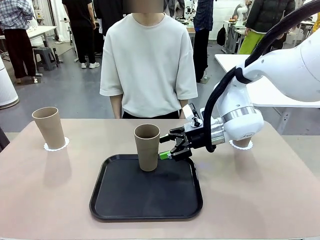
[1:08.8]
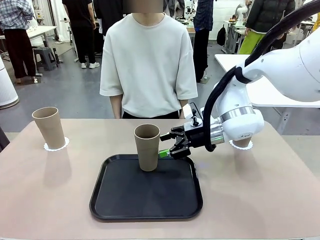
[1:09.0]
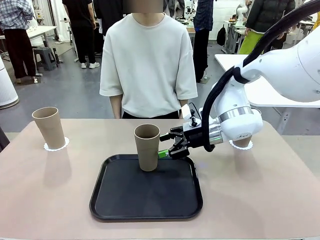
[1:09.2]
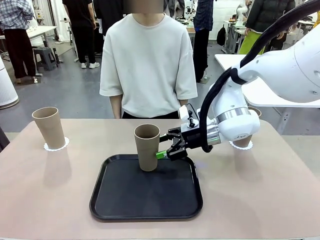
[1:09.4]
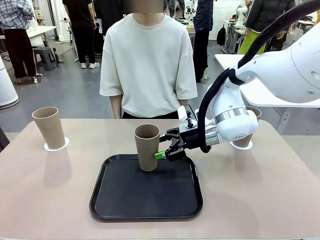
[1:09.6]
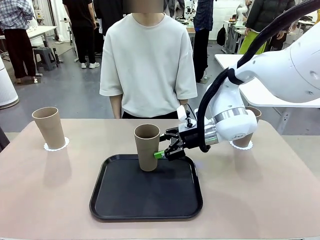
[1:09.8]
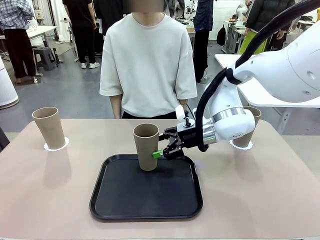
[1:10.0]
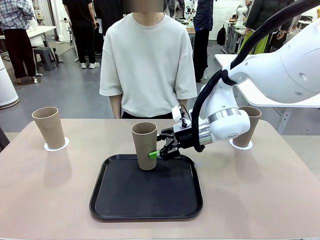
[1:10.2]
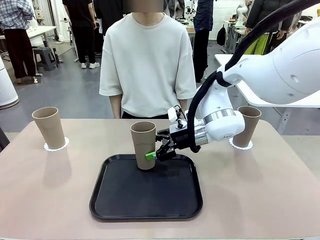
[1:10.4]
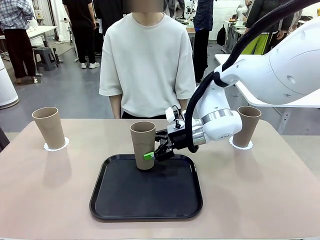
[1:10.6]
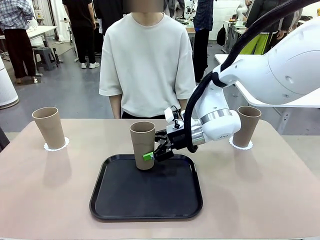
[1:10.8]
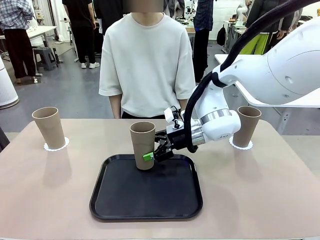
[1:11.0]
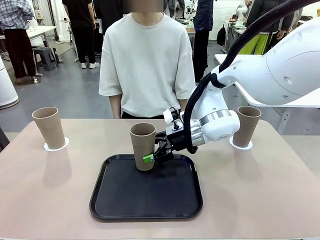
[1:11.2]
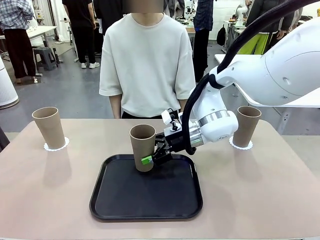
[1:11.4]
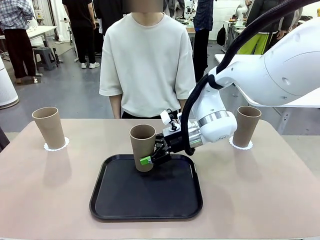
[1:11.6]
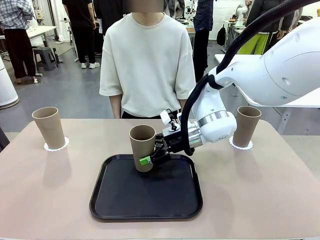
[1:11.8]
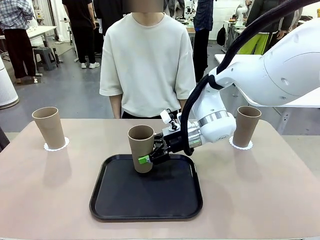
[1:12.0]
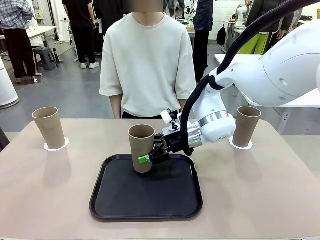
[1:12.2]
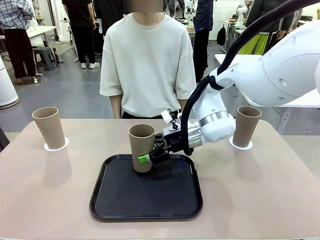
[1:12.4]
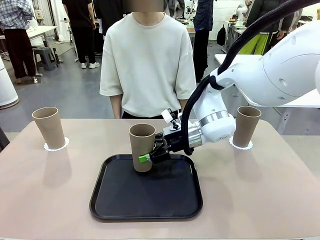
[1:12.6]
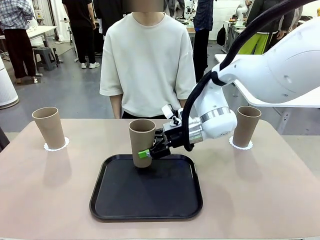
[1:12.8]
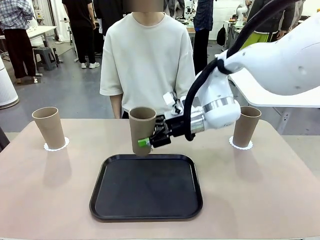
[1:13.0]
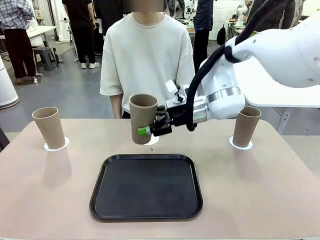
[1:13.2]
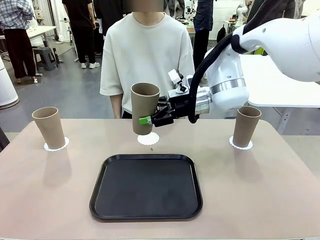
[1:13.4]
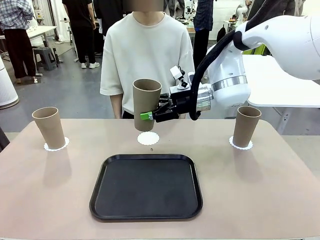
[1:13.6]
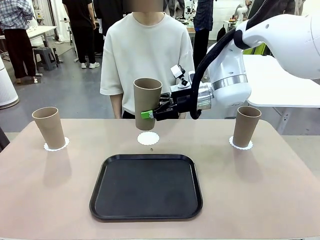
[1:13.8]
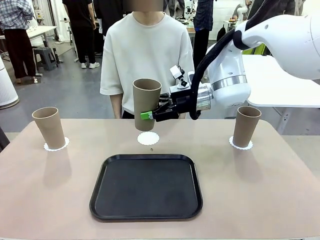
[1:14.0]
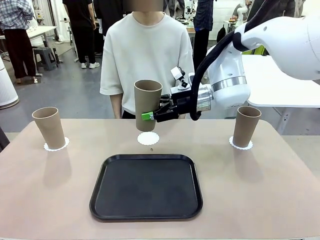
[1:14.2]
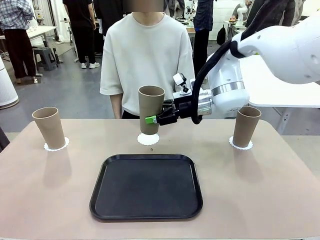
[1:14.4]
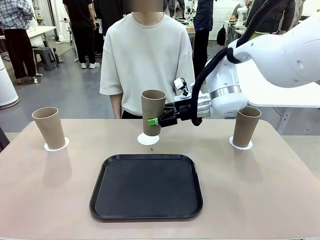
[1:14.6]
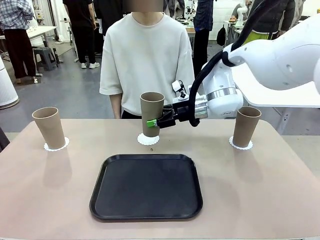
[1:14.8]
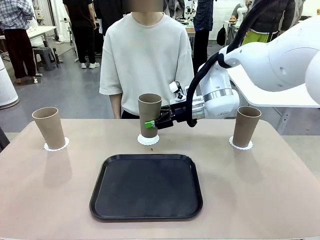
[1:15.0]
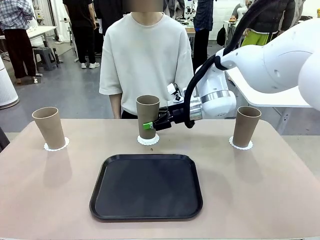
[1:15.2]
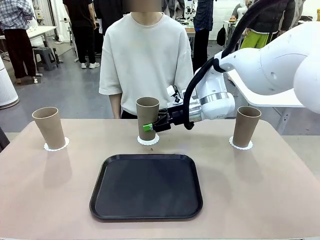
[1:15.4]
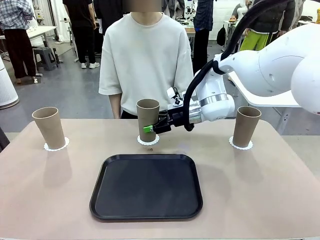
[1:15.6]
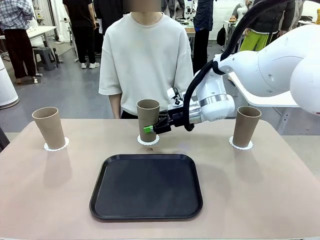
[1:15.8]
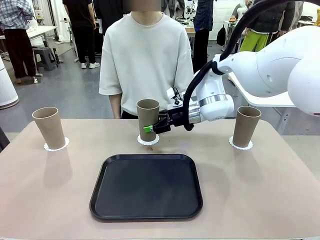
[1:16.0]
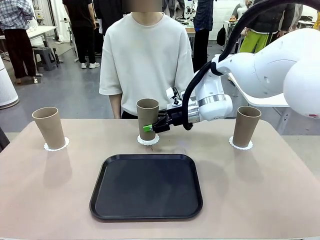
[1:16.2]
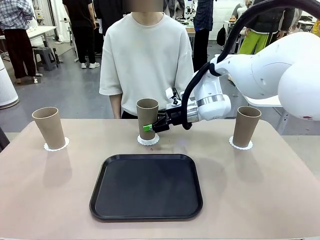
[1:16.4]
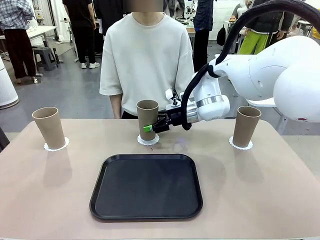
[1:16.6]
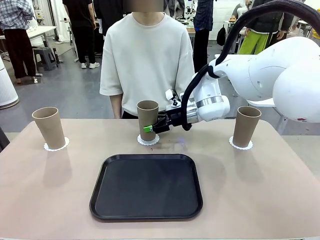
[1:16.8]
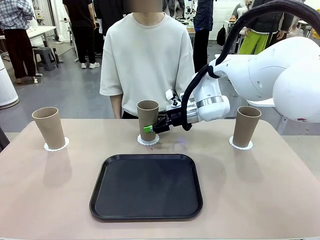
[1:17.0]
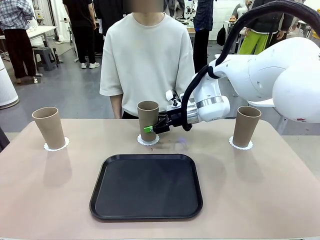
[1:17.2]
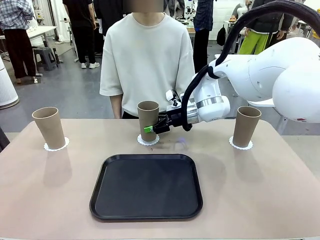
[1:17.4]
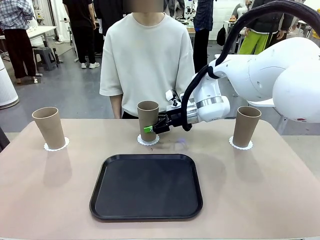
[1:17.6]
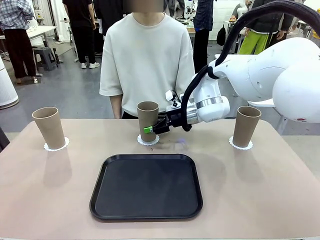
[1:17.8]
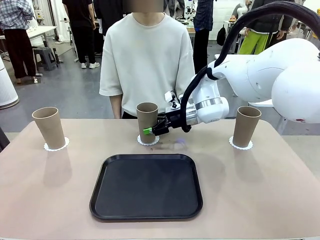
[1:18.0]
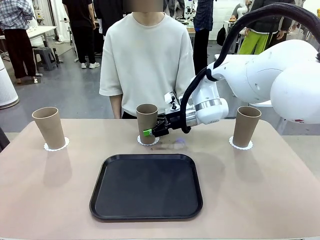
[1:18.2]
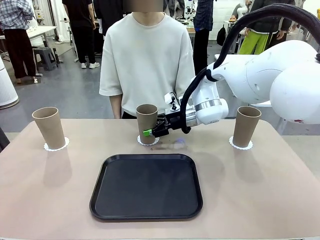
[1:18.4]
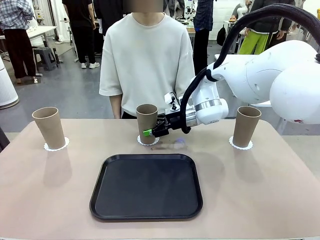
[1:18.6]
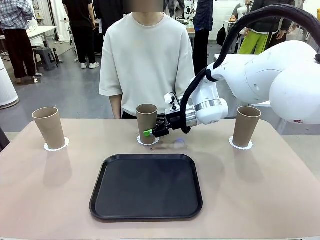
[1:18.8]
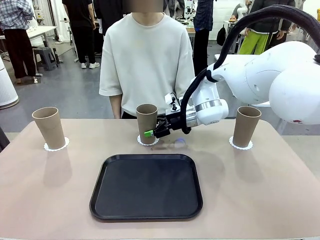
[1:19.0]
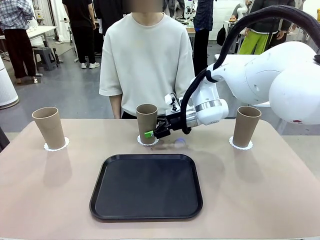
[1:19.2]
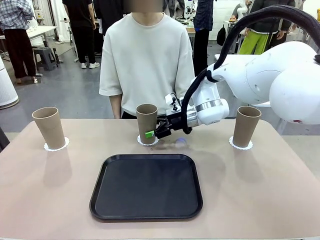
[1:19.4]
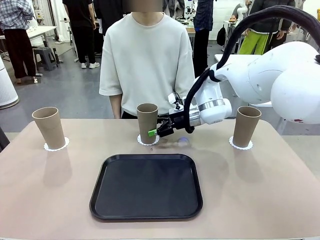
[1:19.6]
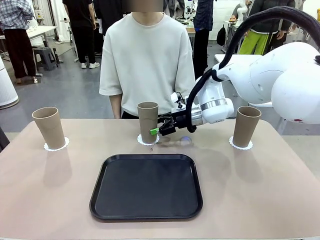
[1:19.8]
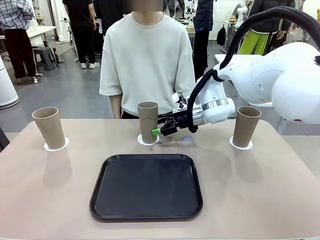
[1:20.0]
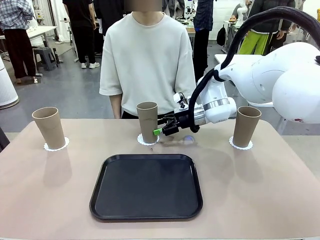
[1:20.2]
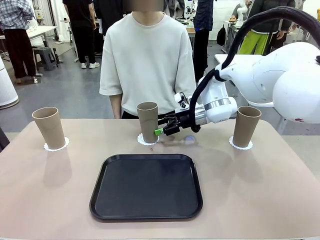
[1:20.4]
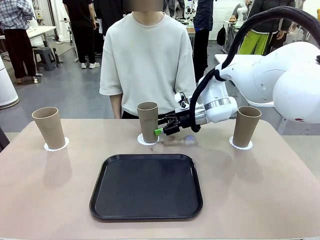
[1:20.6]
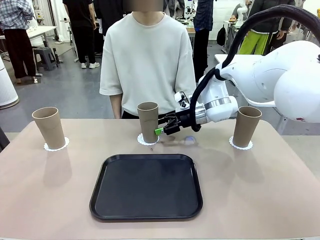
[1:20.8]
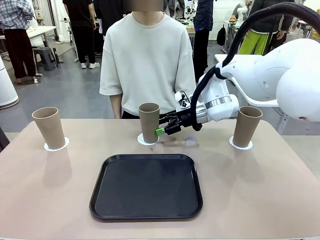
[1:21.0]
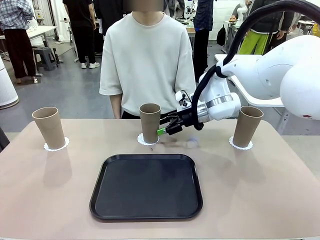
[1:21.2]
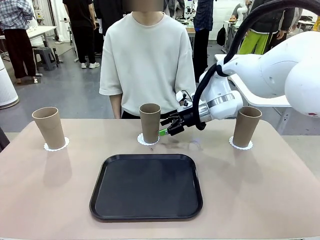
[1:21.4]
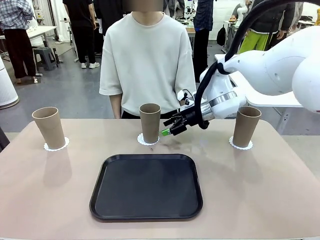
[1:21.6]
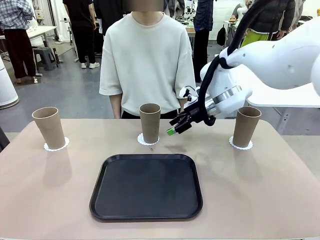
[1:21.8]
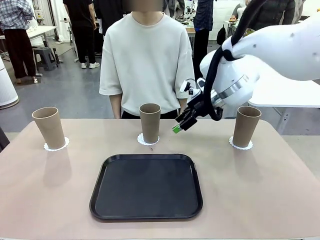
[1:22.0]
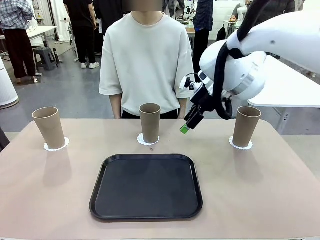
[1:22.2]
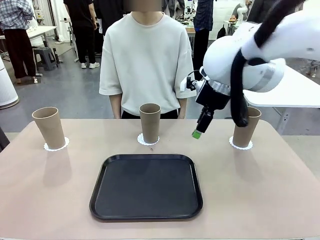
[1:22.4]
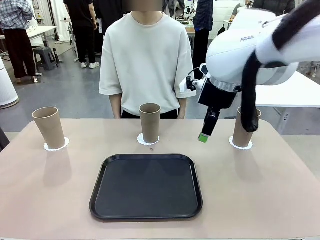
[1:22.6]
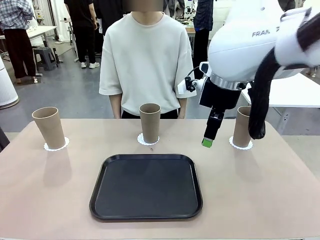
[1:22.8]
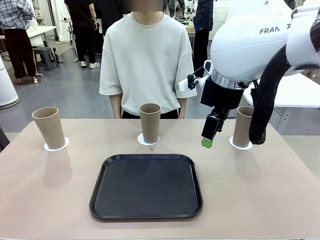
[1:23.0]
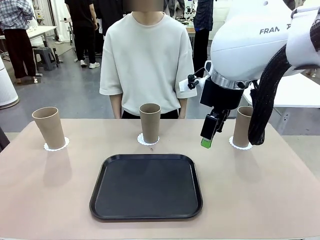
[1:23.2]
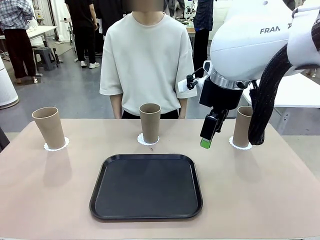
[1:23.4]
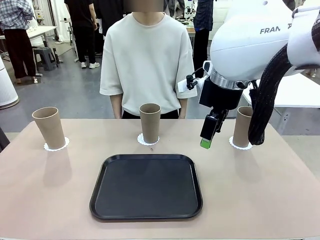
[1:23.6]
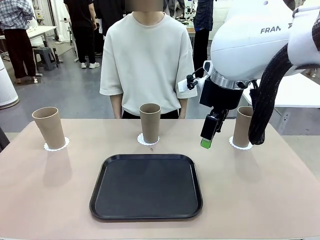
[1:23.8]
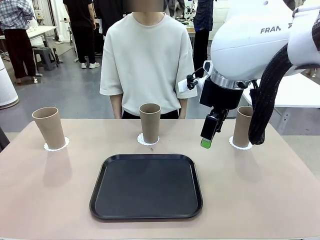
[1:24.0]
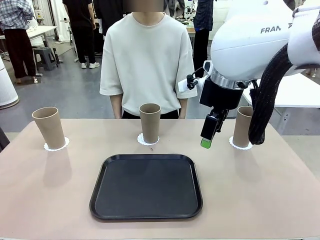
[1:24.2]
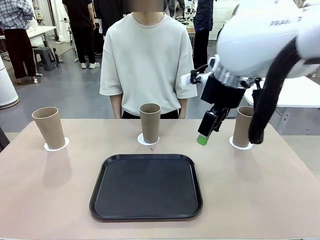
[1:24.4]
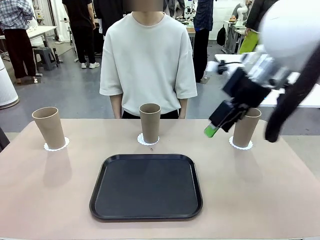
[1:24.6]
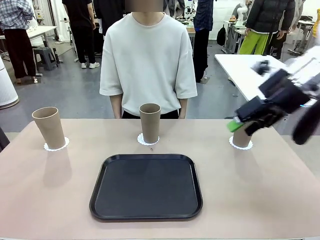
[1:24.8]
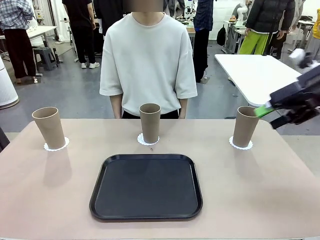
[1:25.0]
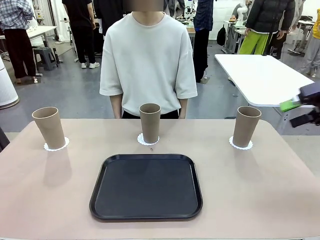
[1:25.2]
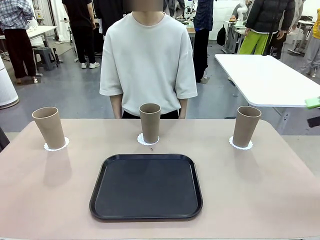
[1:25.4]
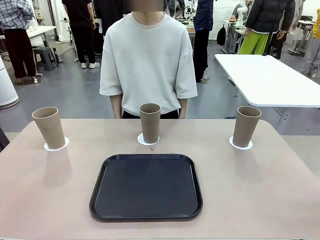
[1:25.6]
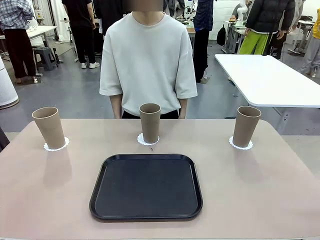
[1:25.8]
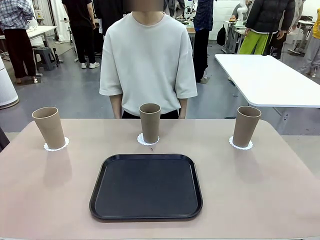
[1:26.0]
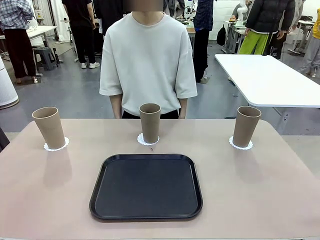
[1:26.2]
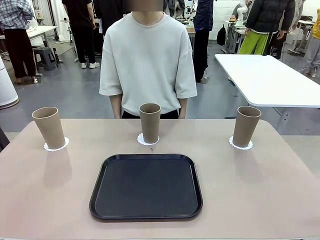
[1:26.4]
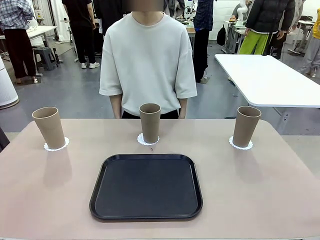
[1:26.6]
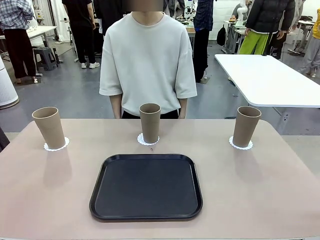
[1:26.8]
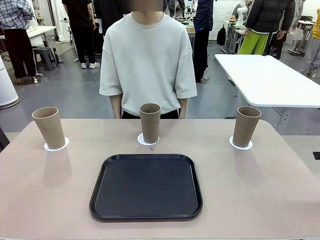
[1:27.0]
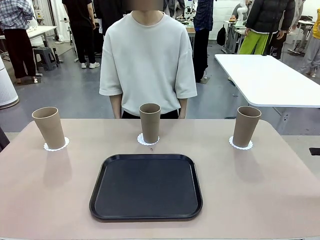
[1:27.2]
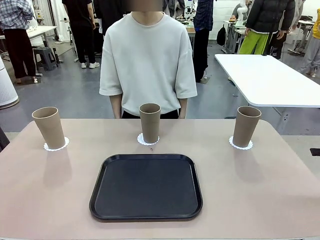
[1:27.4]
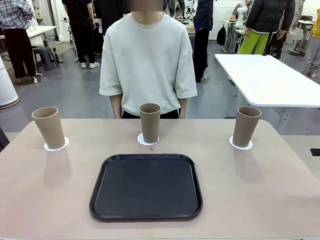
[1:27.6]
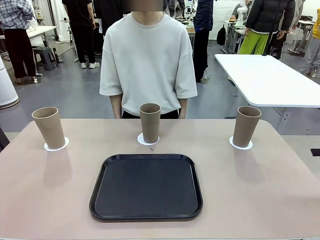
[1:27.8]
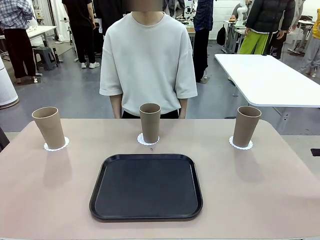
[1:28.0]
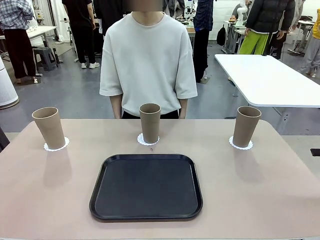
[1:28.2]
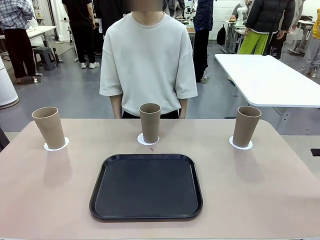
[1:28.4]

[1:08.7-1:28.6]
Task: Place coasters on the table and set cups on them.
Robot: Take one Reusable plastic cup from the Flat Tray and place it on a coaster set by the human.
